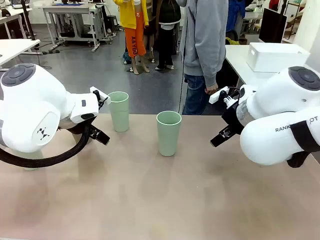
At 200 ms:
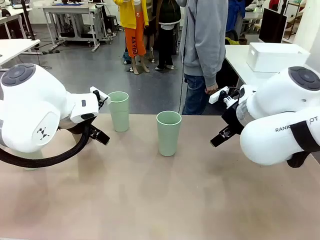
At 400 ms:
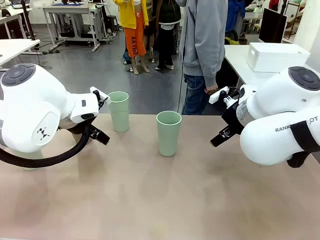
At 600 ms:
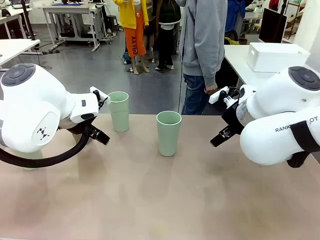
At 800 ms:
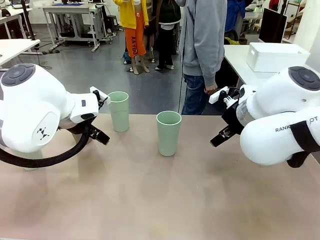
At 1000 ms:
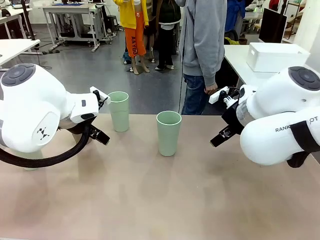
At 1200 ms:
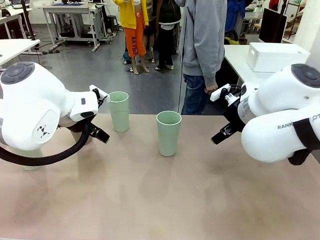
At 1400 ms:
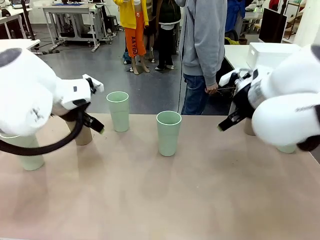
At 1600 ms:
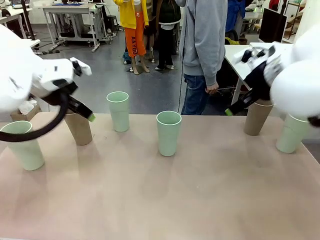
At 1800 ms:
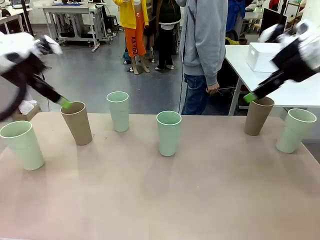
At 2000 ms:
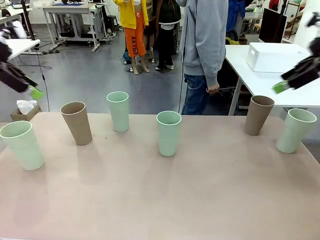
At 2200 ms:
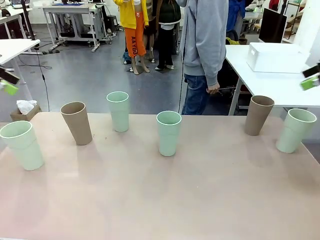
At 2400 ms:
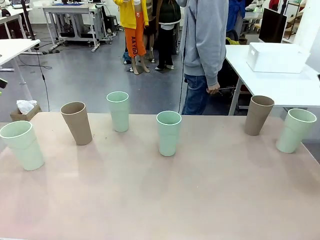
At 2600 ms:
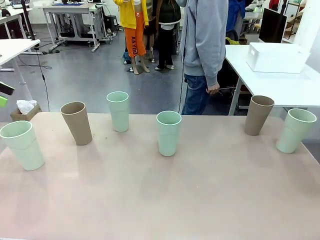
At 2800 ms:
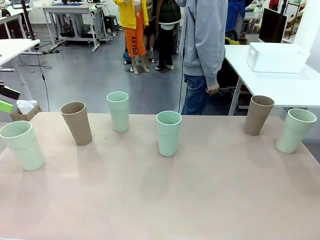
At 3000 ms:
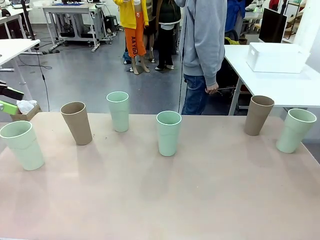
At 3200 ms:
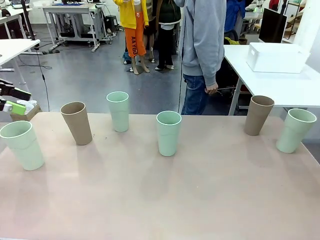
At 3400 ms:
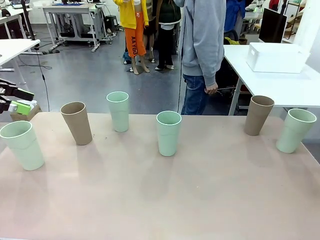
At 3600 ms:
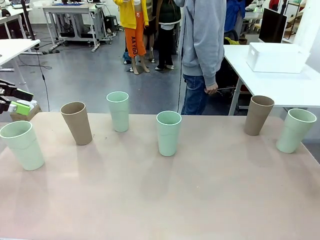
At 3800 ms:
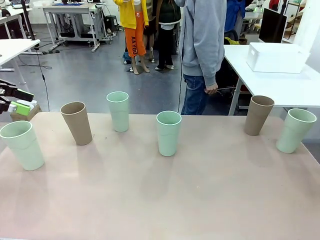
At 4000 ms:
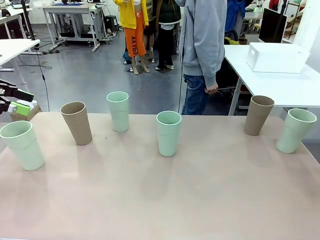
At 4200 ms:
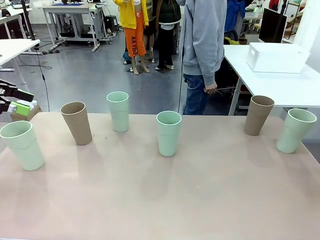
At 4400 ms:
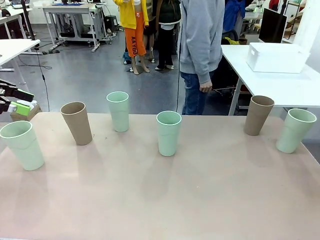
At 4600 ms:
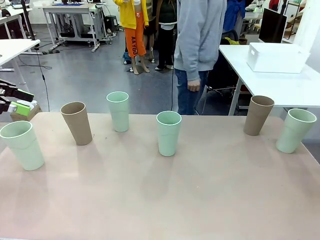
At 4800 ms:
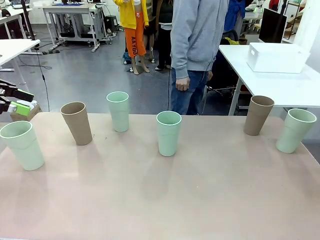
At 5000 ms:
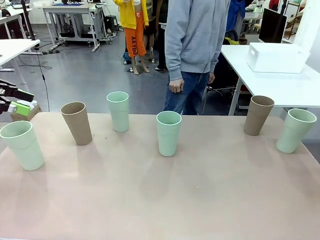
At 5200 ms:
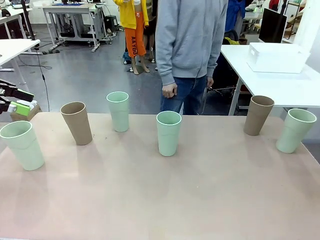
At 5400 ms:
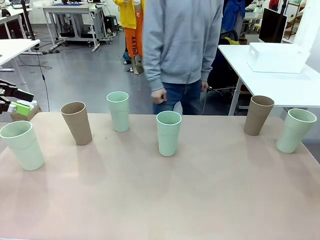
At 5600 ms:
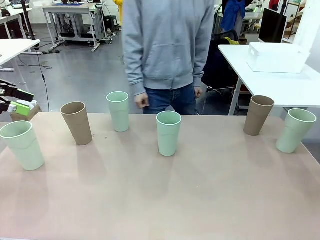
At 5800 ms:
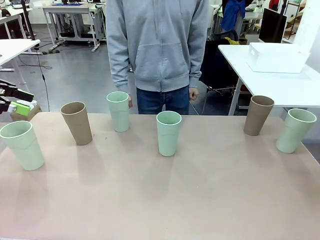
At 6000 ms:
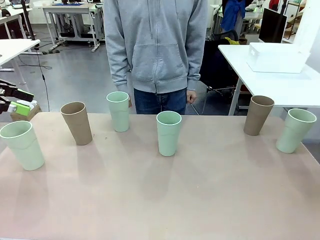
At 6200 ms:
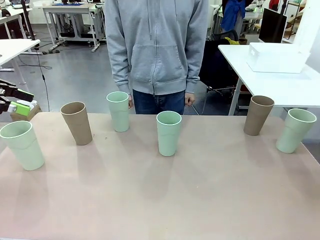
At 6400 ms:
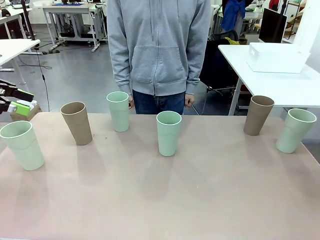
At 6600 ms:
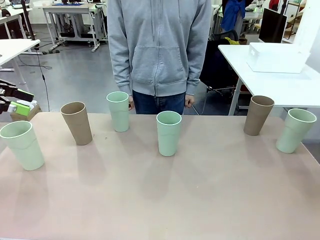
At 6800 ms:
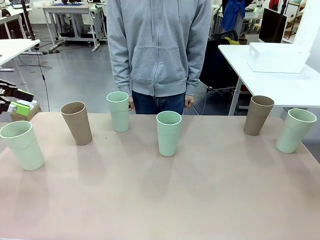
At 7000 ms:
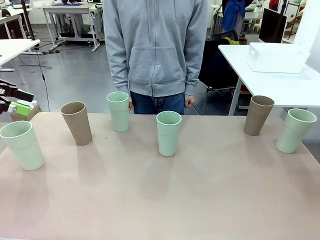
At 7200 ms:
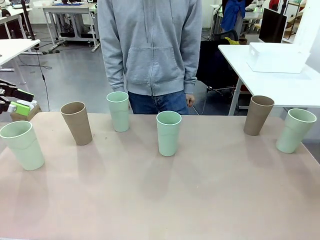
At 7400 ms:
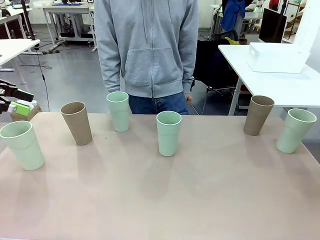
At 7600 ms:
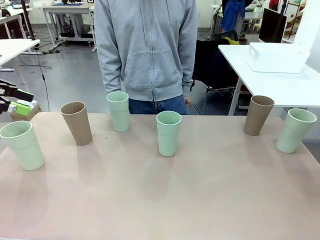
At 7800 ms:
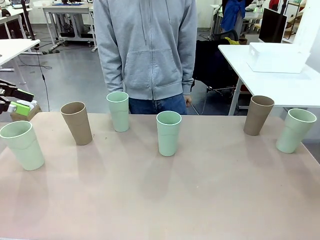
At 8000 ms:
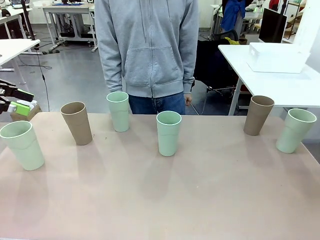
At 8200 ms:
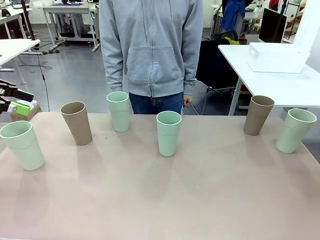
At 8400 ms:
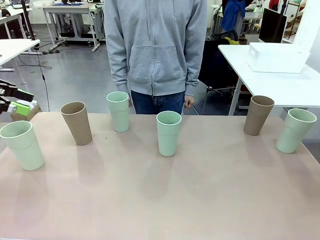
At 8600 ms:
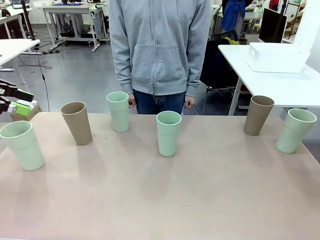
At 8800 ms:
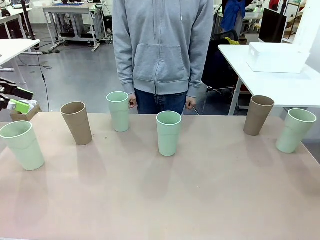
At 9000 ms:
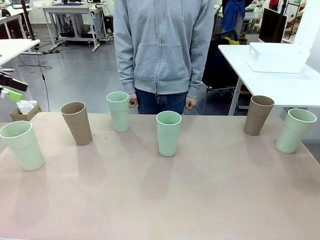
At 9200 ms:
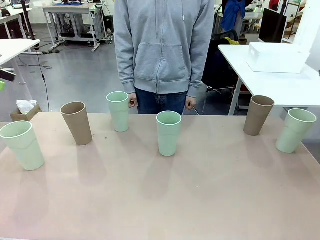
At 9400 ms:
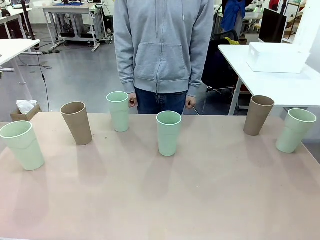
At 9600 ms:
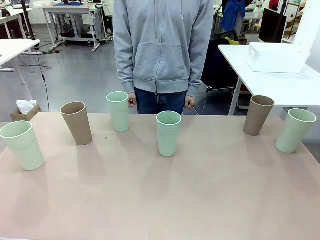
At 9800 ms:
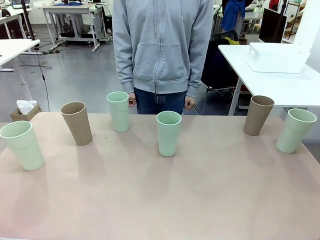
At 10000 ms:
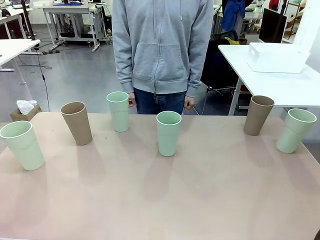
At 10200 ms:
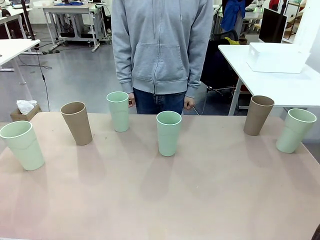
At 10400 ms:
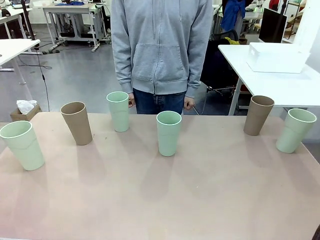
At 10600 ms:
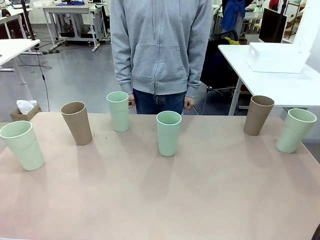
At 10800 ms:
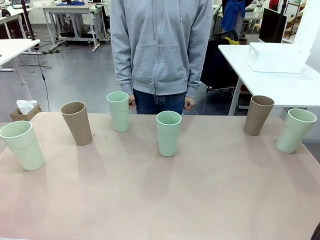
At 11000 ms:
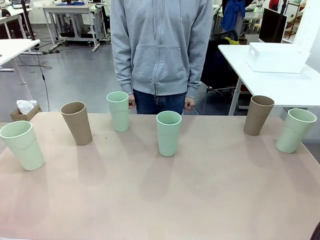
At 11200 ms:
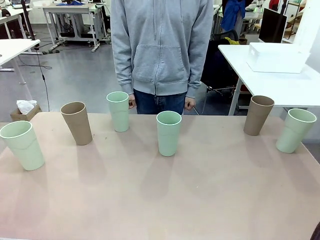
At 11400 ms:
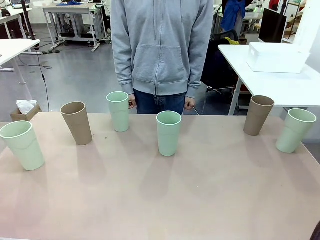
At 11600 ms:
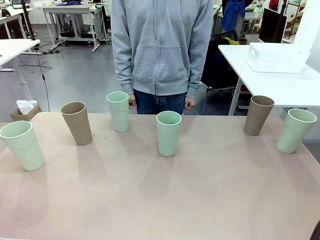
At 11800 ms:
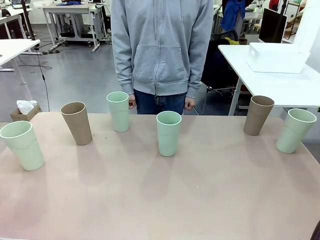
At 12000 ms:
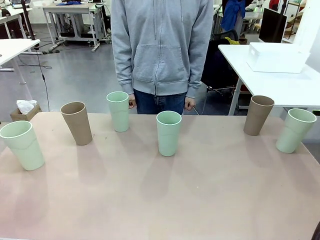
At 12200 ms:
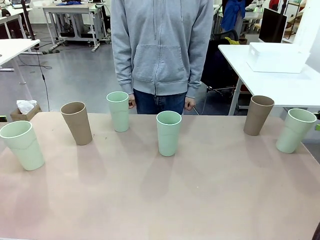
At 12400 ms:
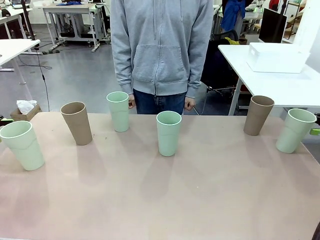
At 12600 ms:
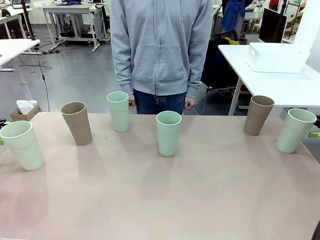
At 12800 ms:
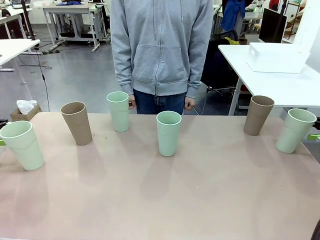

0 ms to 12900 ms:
Task: Stack the cups and store them in the basket.
Robot: Pick up two Reusable plastic cups , one in each hand.
Person: Move from the Human Table to the front of the Robot Table.
